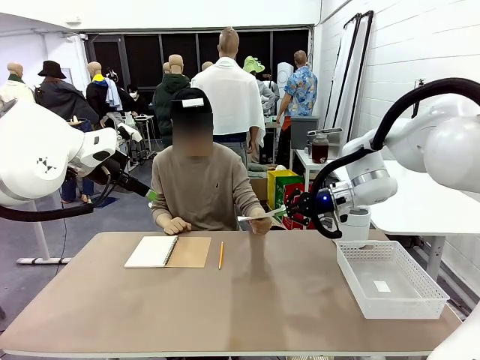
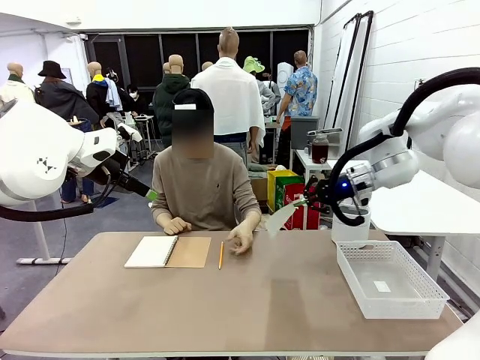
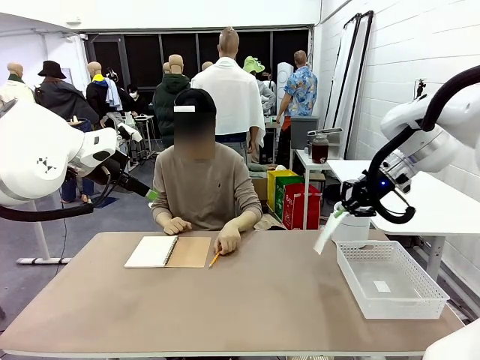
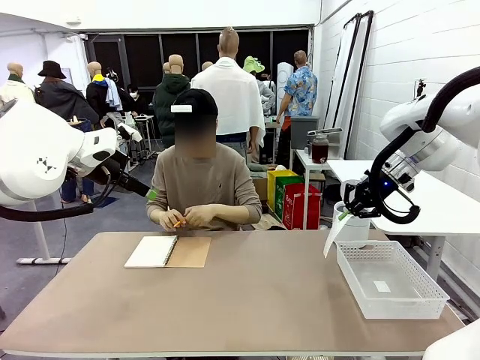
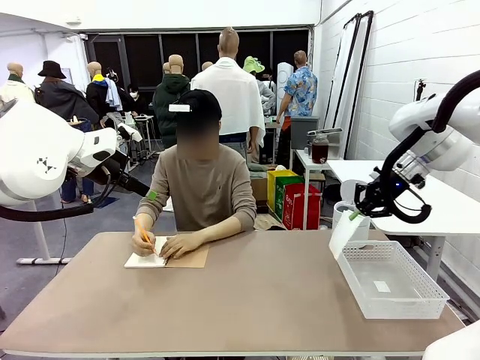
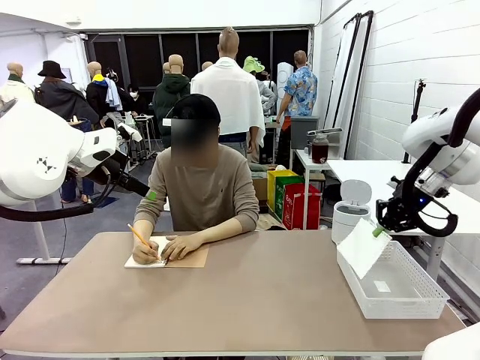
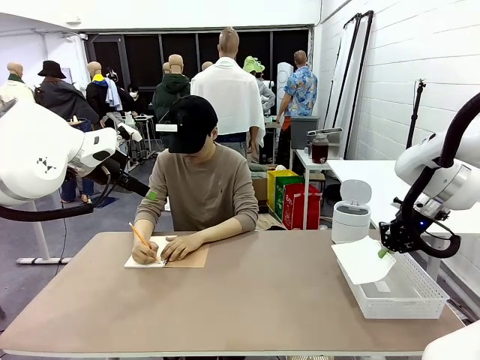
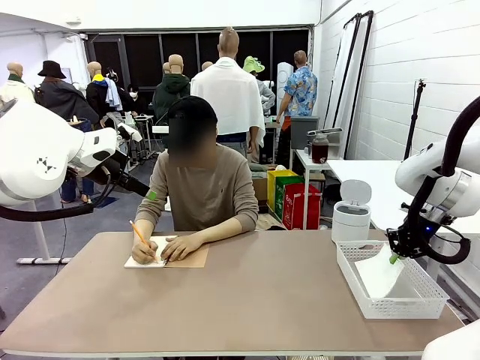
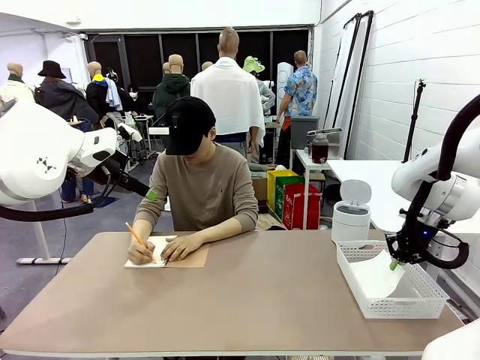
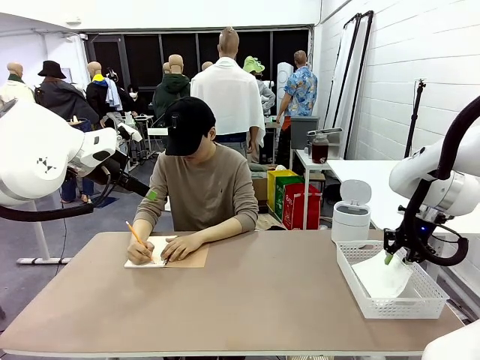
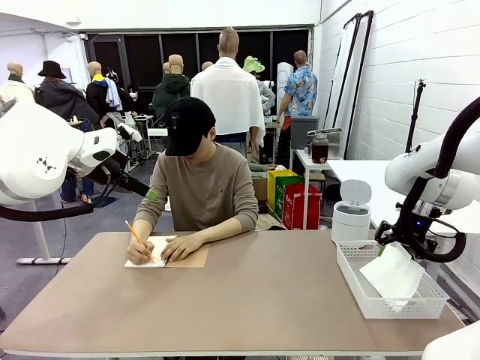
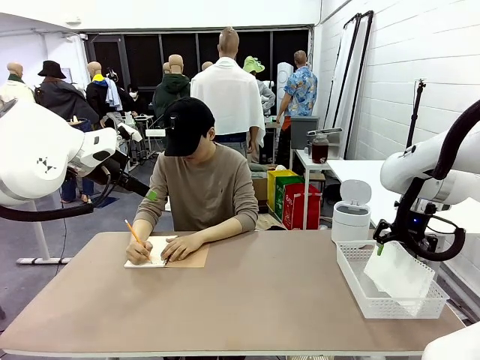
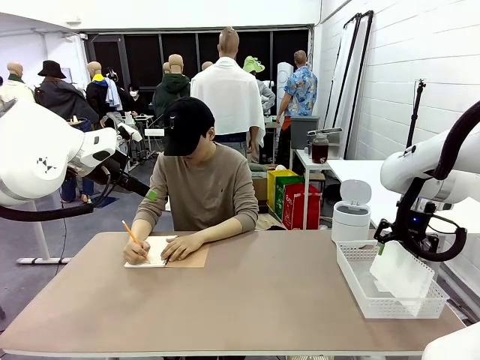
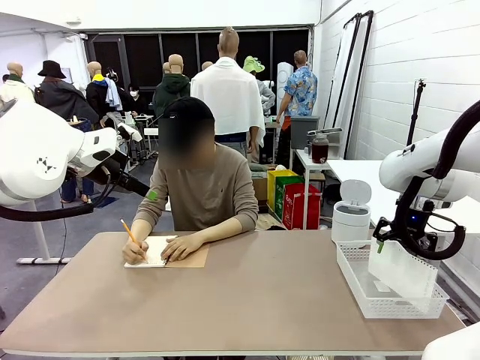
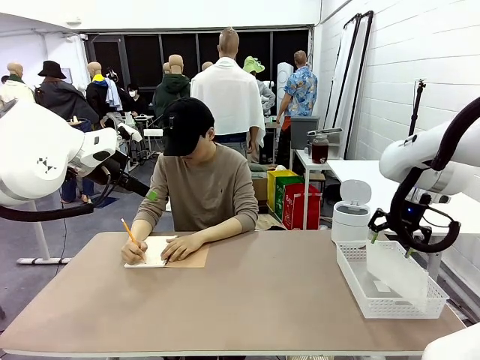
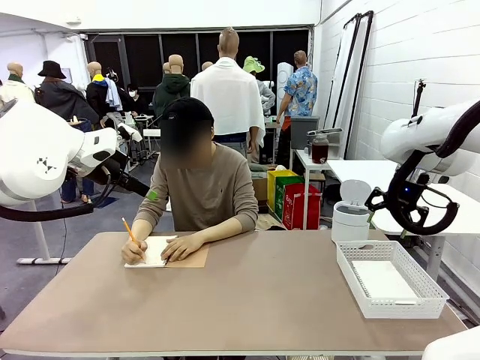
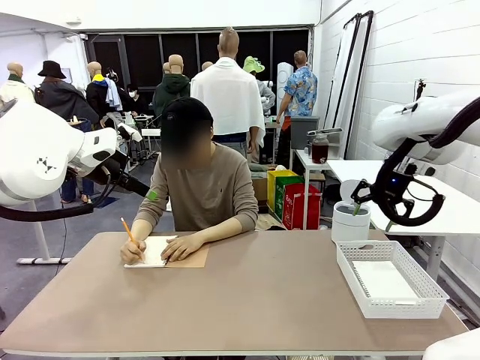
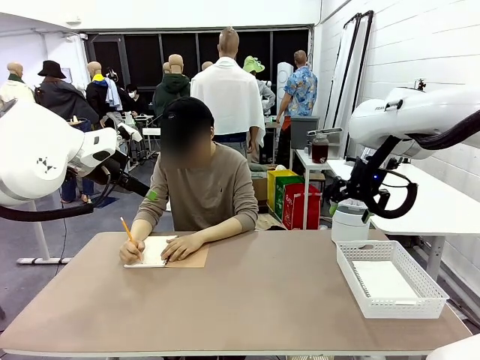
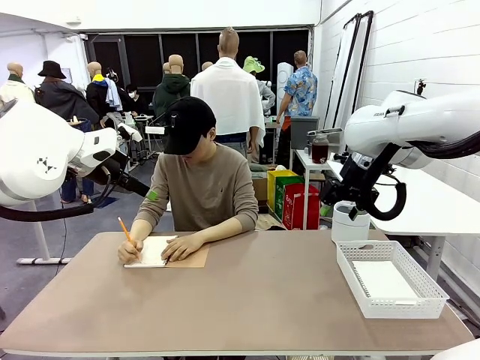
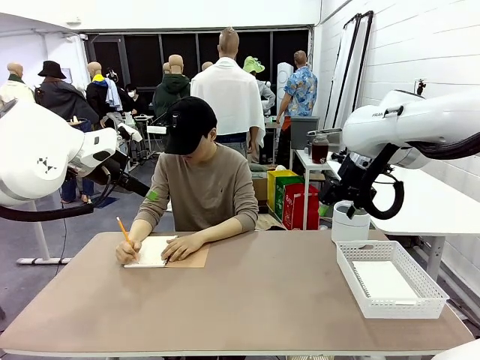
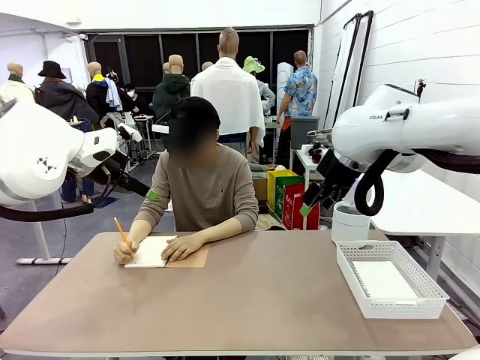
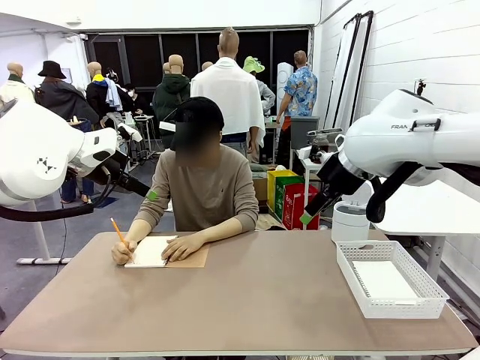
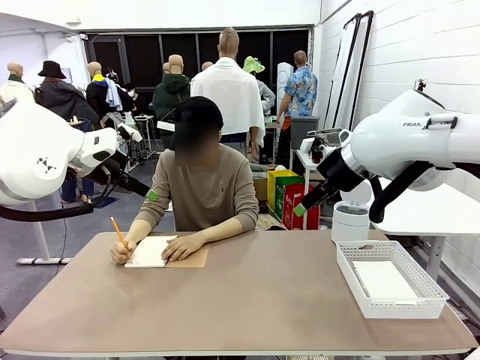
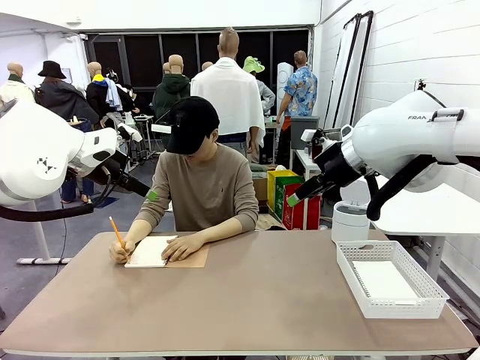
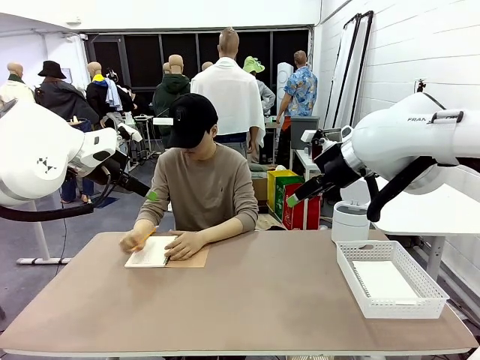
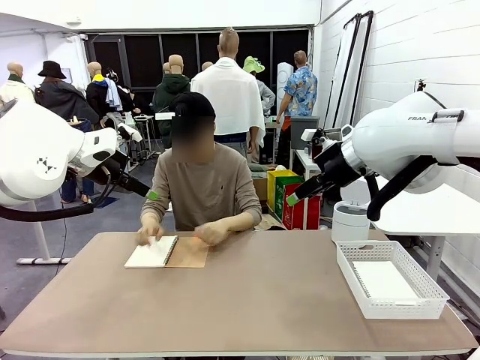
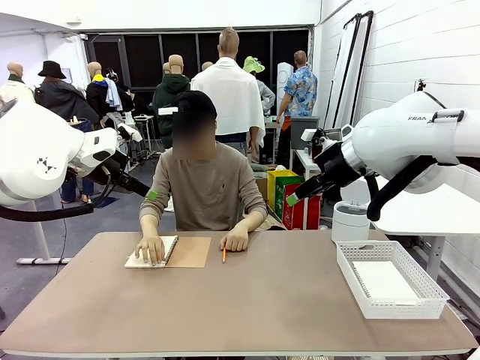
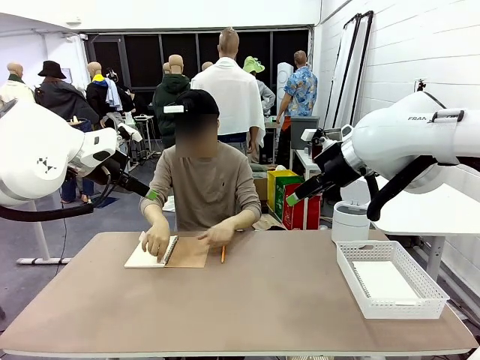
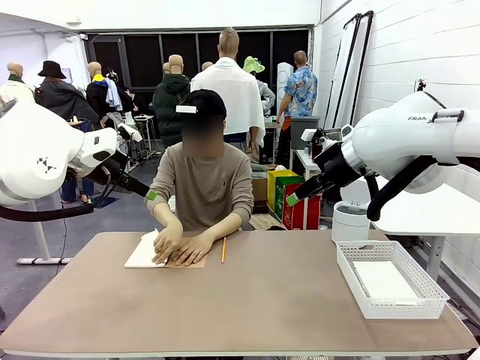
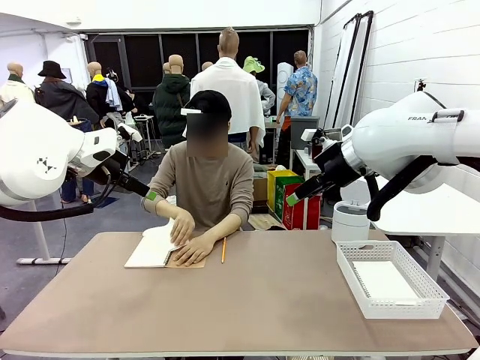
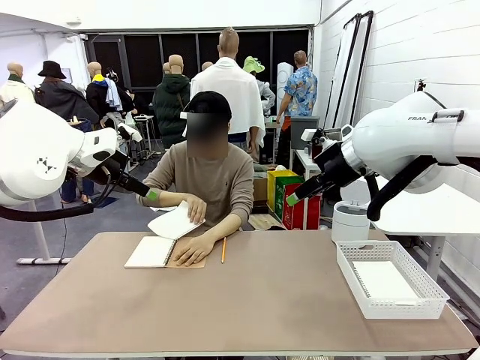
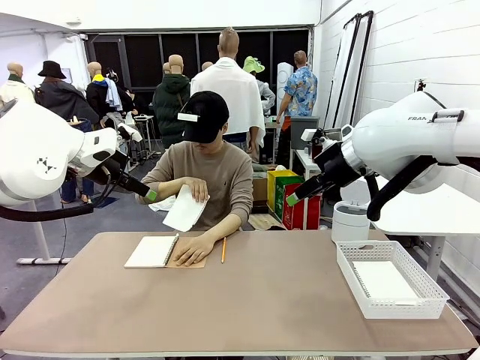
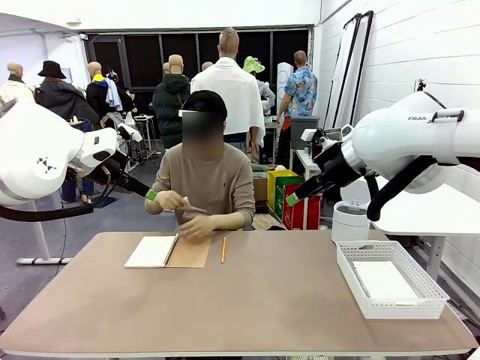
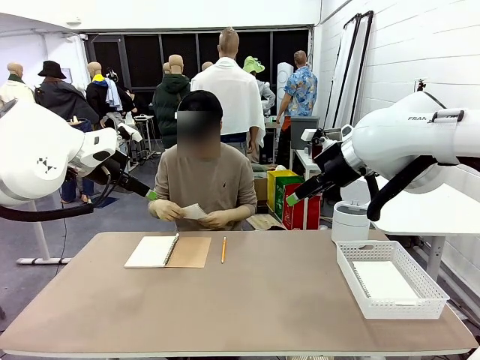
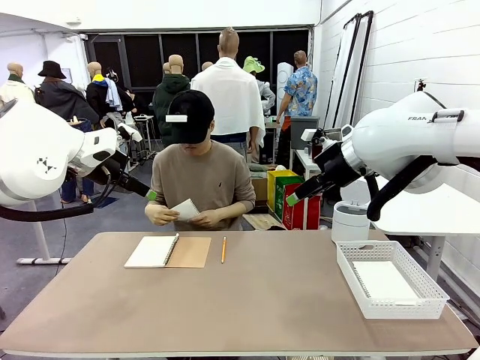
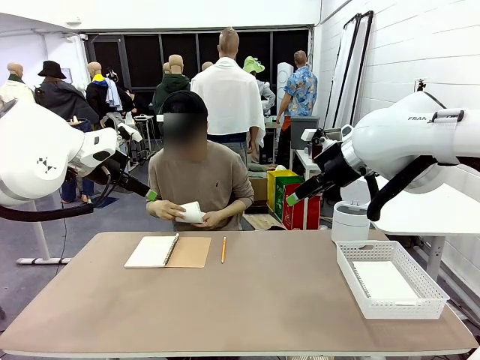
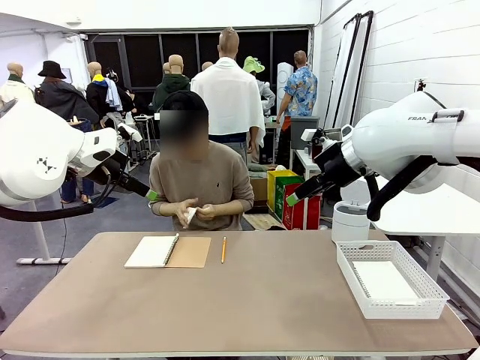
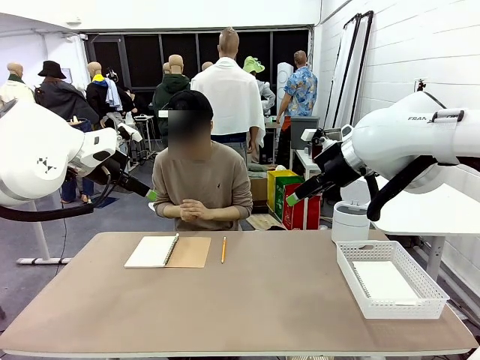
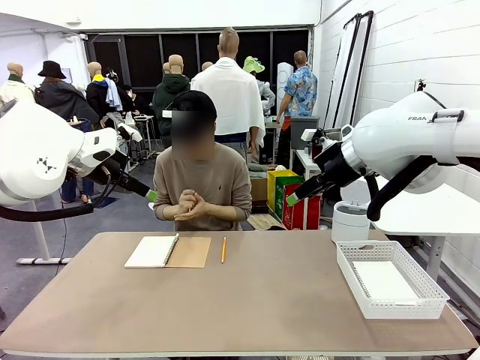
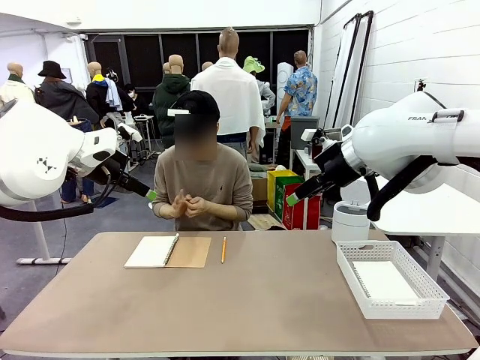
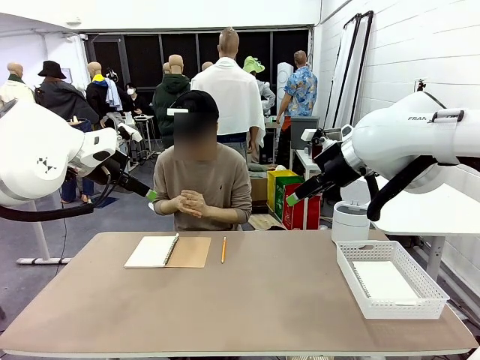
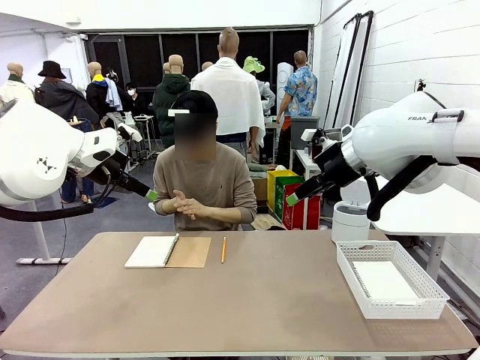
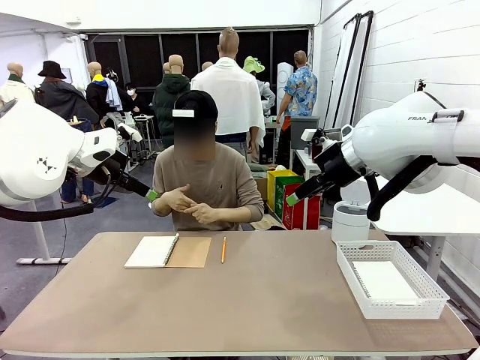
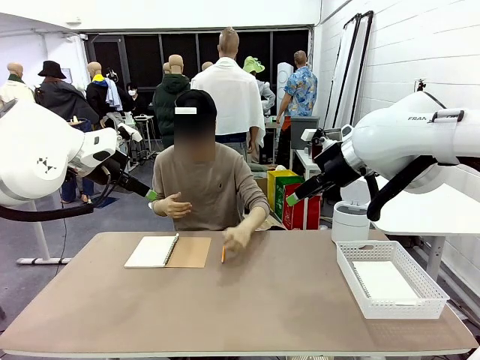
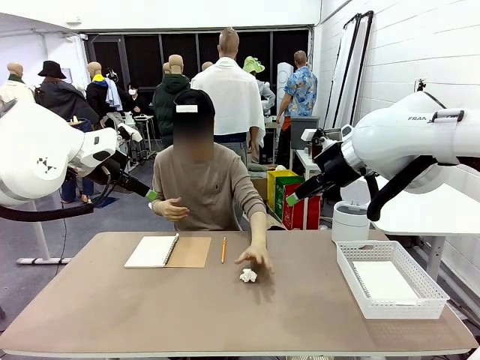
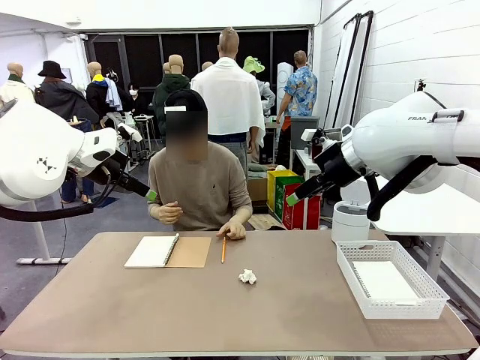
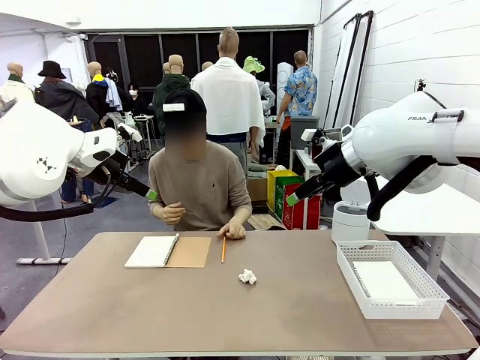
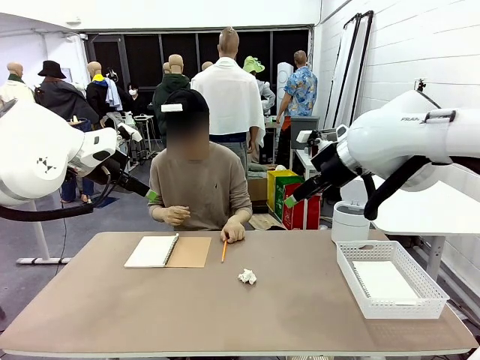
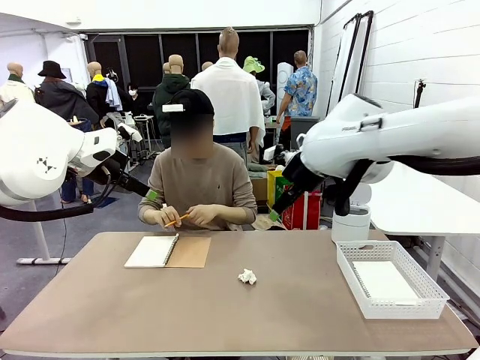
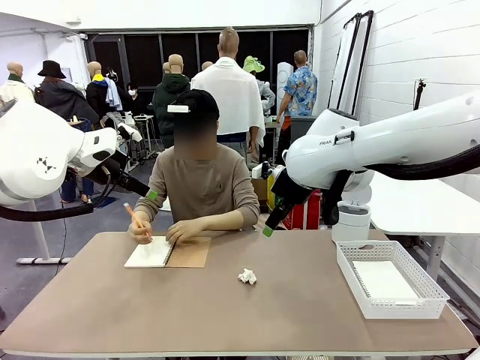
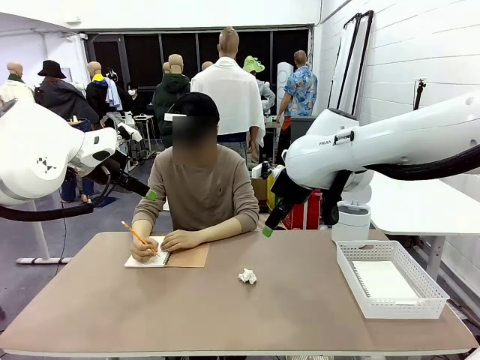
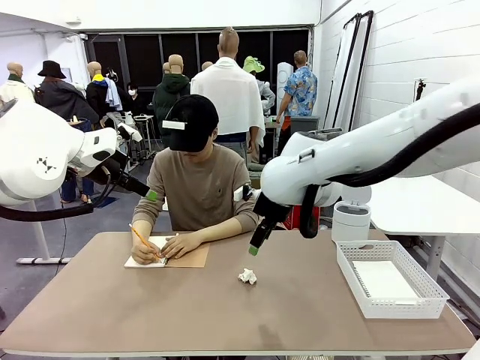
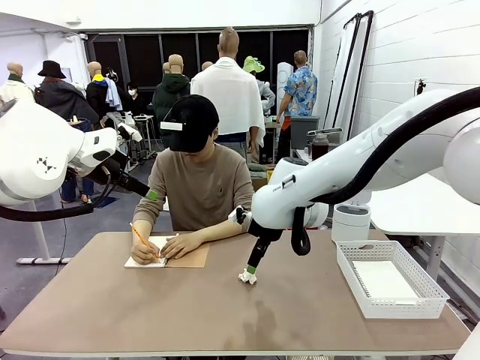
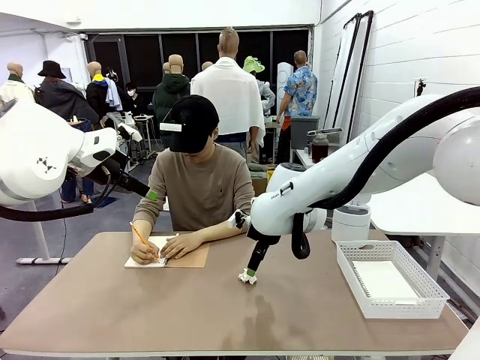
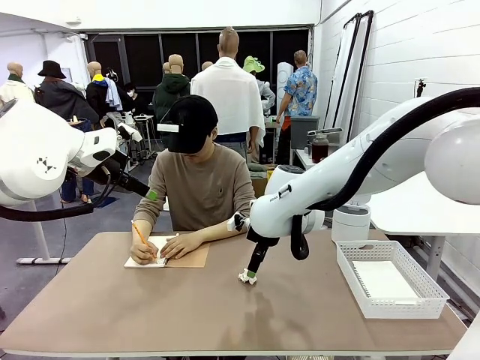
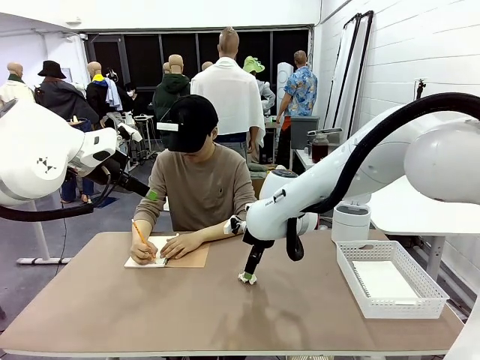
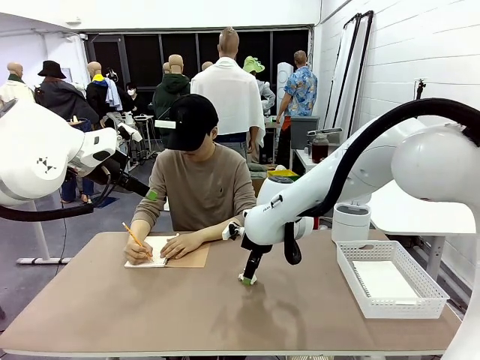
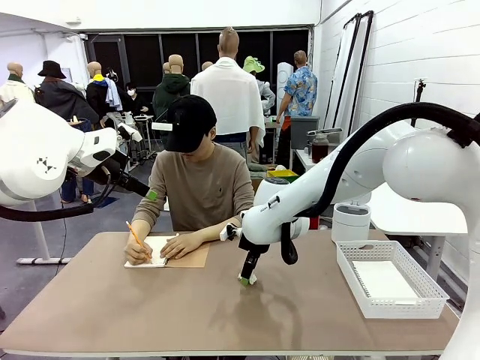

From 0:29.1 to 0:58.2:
Task: Sort the paper based on its condition.
Robot: If a person hands you a paper, place it in the Organizing basket , and if it's crumpled, put it in the Trash can.
Person: Tear out a page from the spiral notebook. Hand the torn page to the robot or crumple it and throw it to the center of the table.
